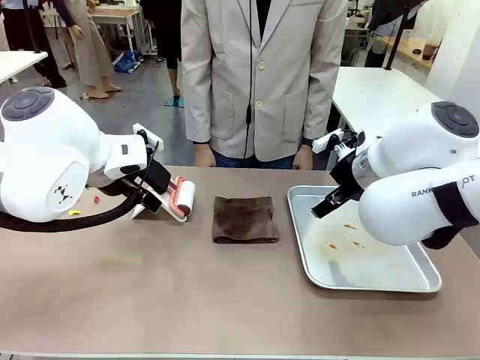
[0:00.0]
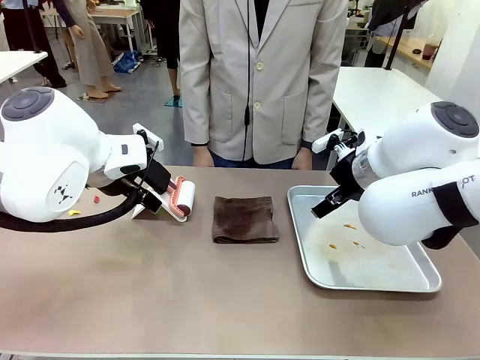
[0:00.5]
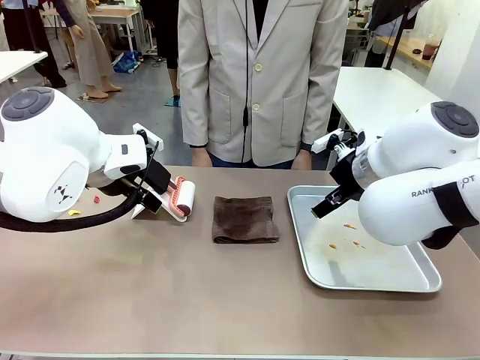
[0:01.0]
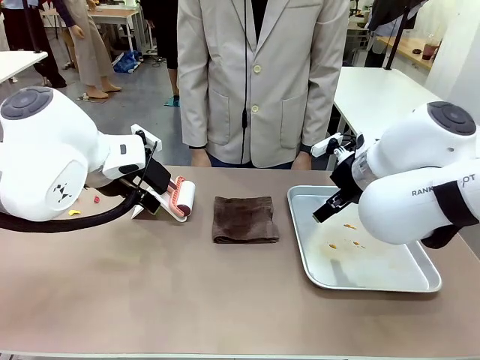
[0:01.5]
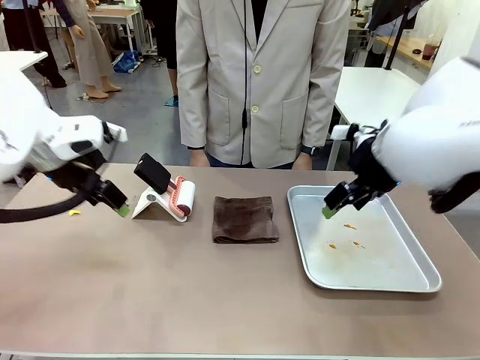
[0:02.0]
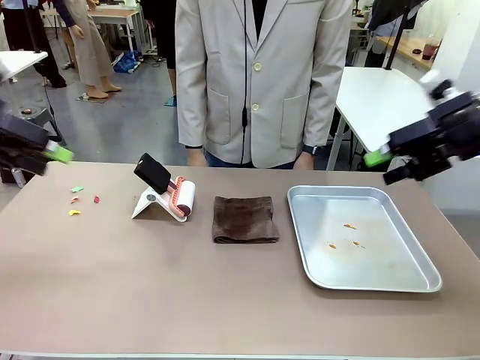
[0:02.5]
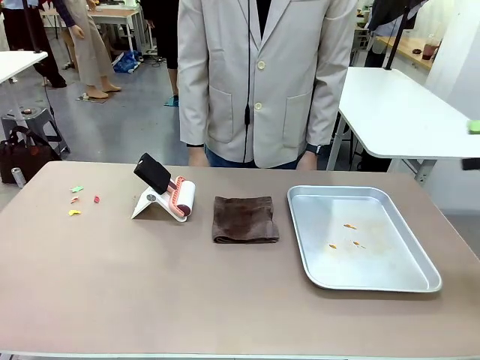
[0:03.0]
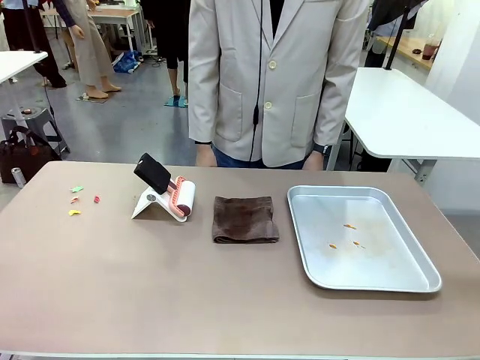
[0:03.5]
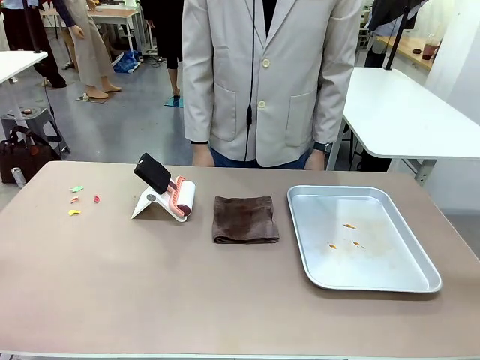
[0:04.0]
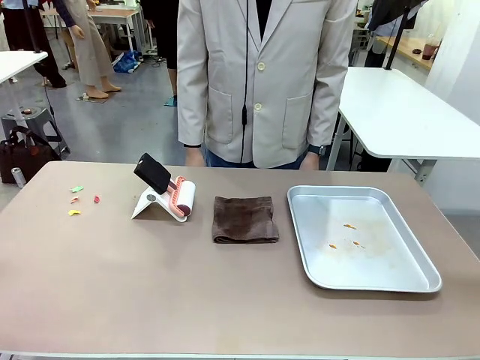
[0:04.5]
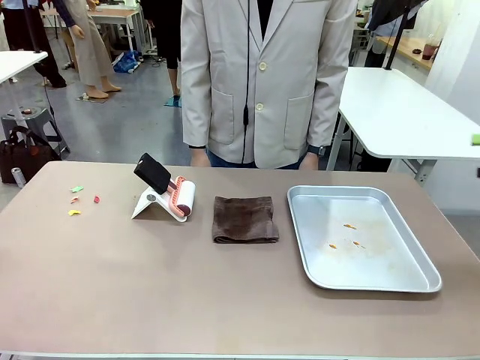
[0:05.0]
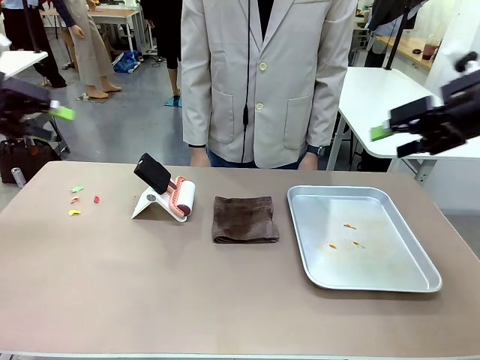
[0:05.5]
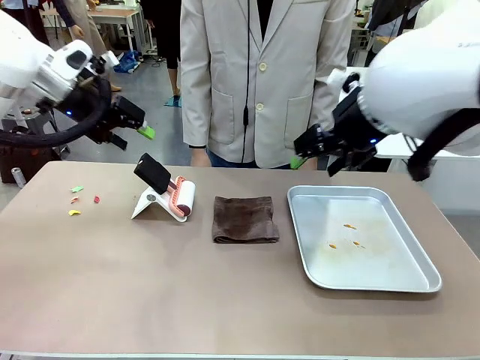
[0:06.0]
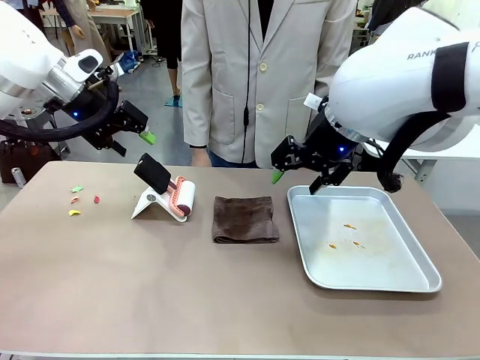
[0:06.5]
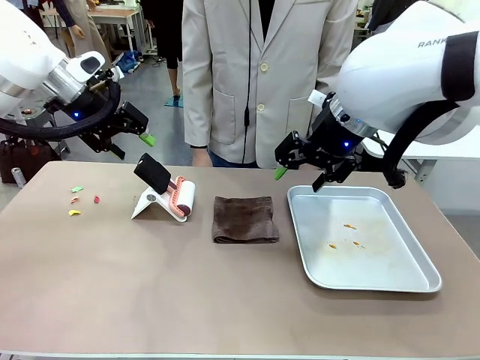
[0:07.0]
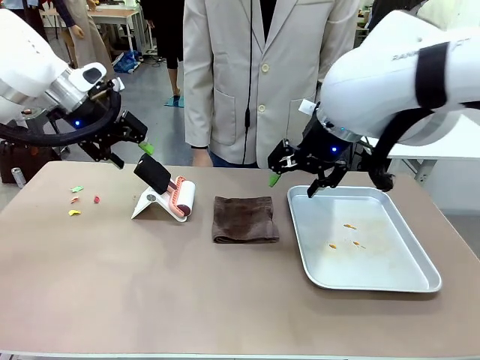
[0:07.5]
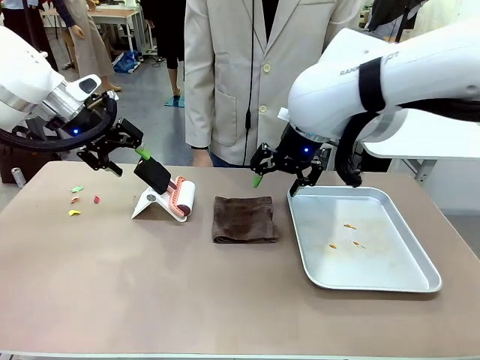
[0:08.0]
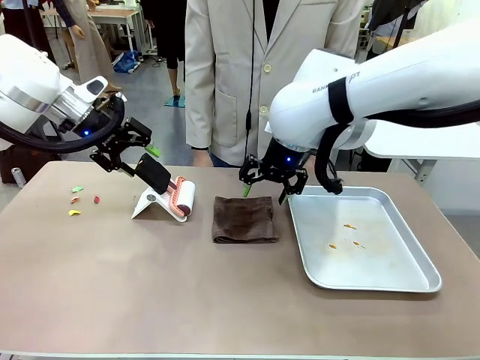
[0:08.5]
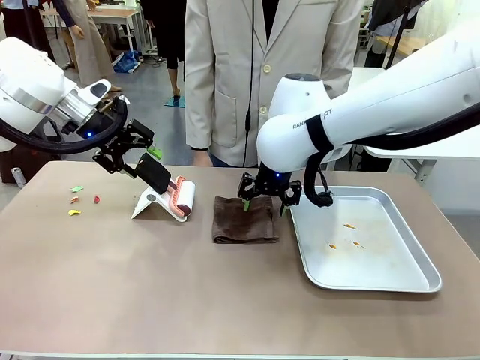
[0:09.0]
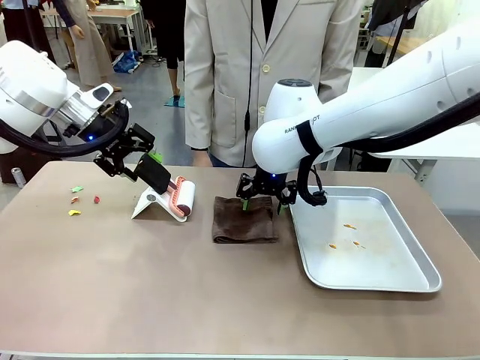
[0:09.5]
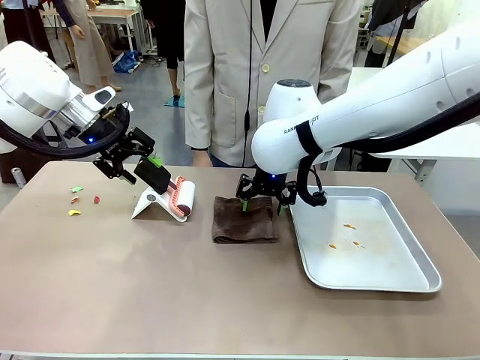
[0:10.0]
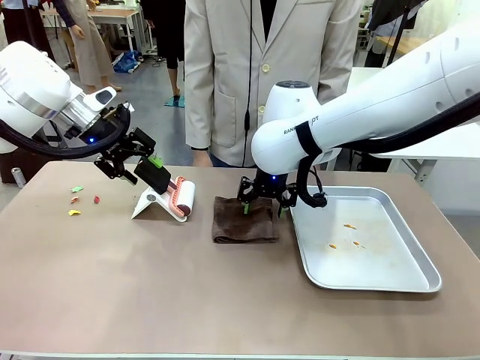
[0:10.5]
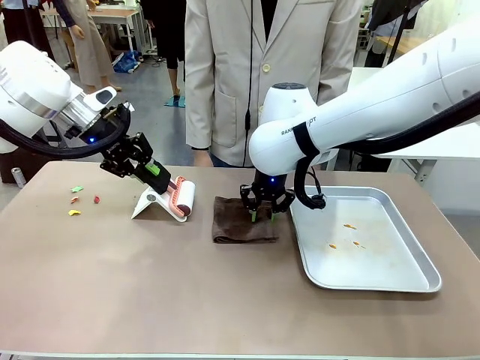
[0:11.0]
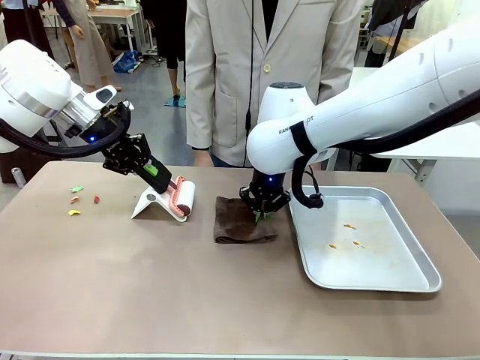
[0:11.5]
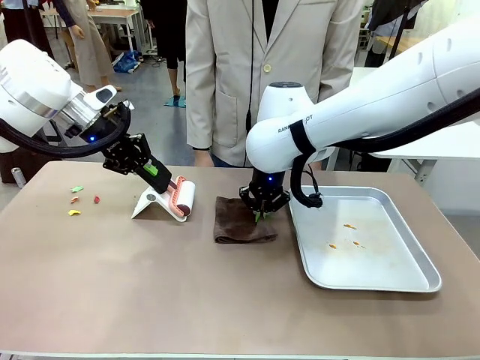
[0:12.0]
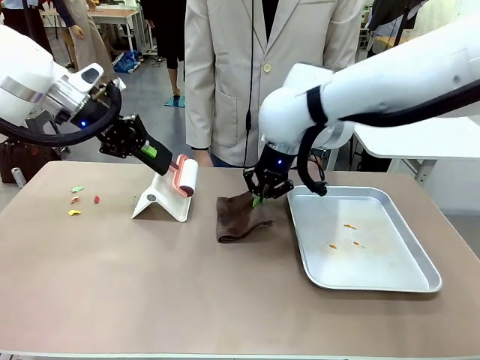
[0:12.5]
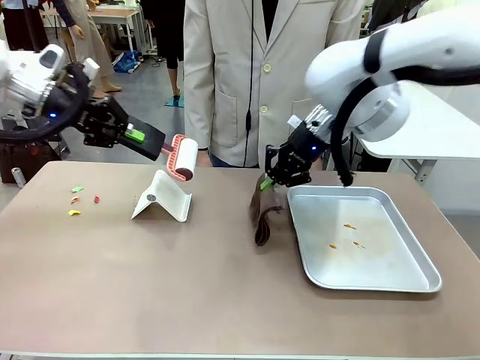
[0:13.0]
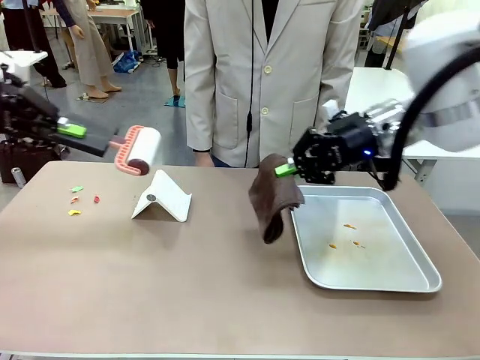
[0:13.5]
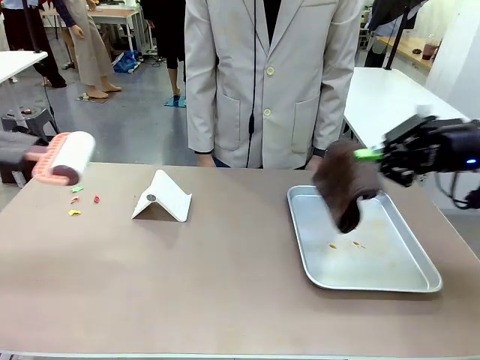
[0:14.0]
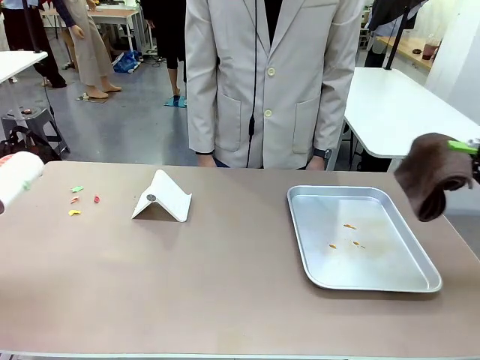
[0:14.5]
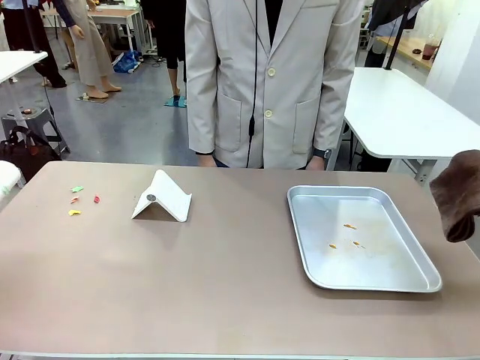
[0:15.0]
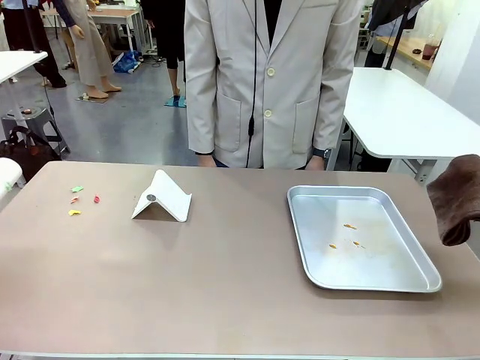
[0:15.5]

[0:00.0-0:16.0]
Task: Clean the surface of the table.
Robot: Hold the Lint Roller with your left hand and the towel with your right hand.

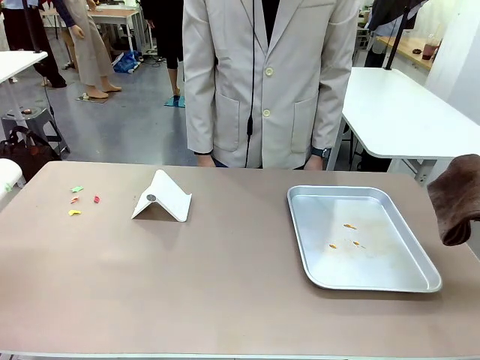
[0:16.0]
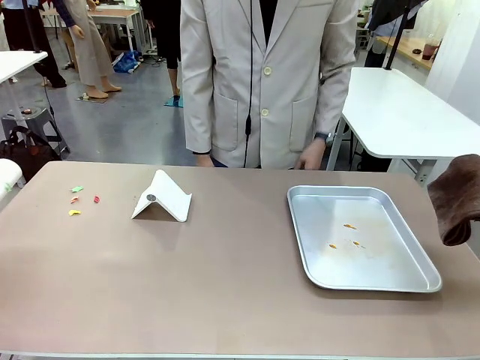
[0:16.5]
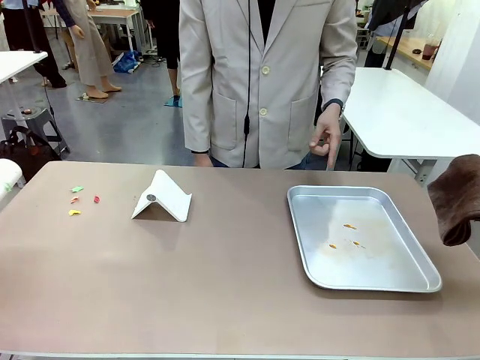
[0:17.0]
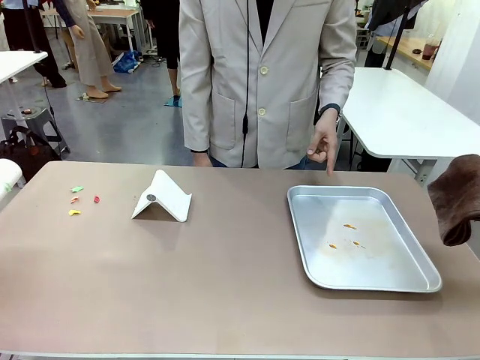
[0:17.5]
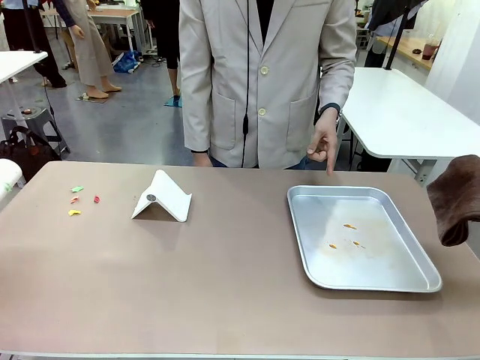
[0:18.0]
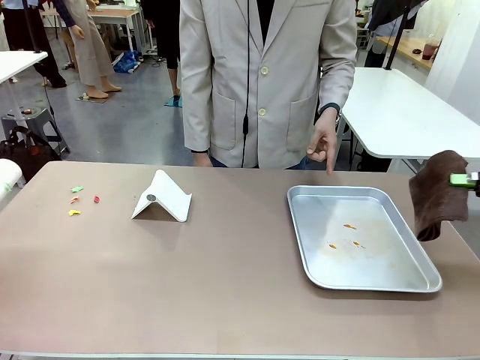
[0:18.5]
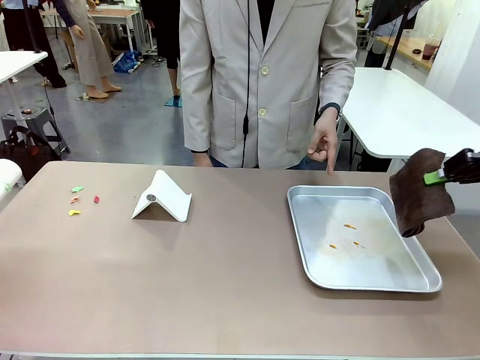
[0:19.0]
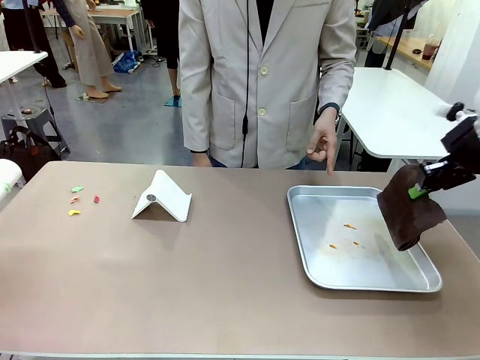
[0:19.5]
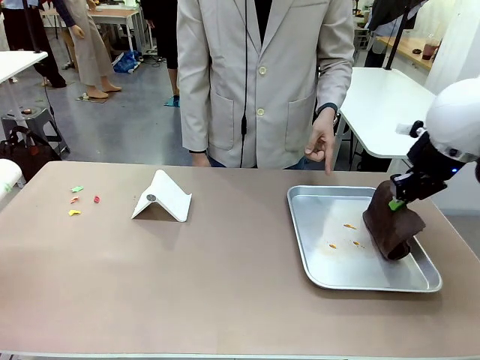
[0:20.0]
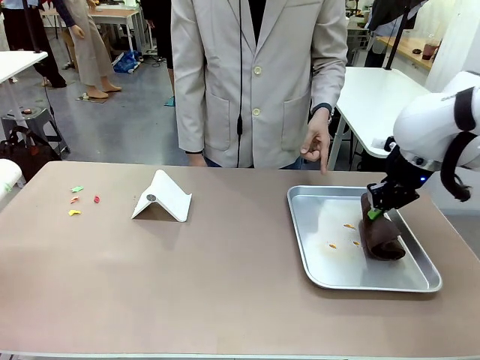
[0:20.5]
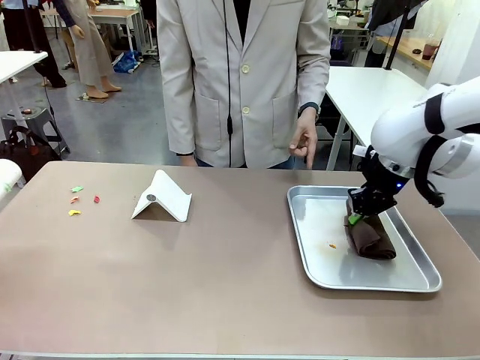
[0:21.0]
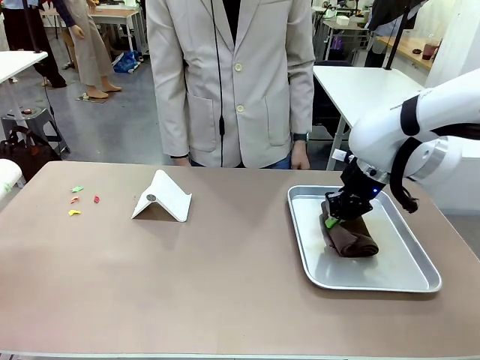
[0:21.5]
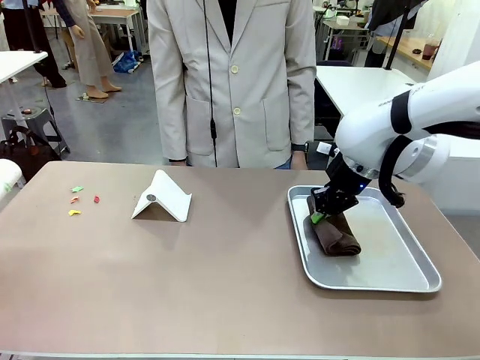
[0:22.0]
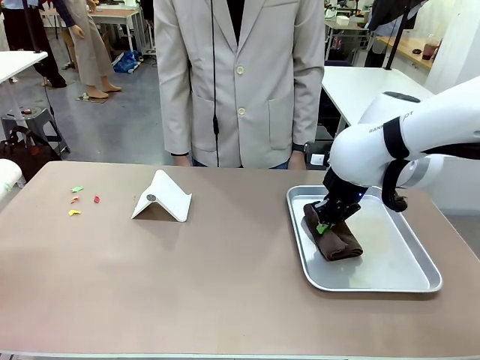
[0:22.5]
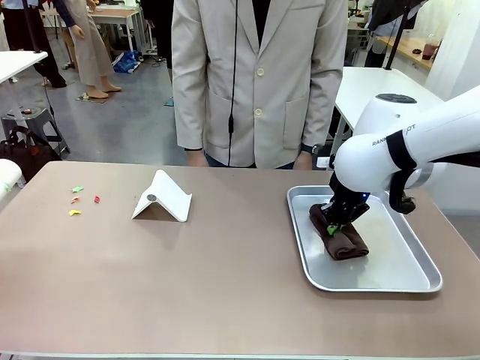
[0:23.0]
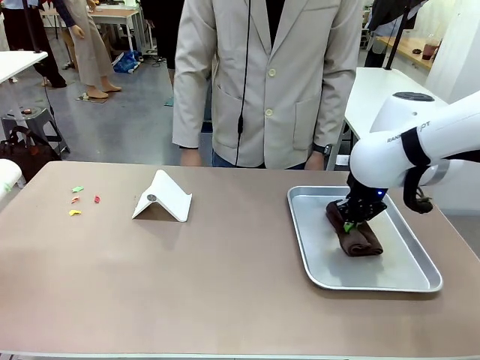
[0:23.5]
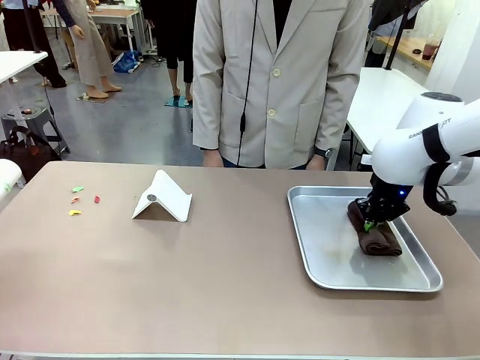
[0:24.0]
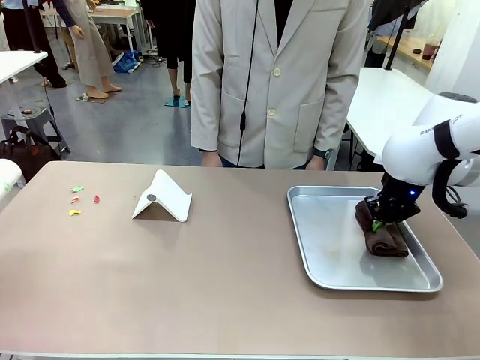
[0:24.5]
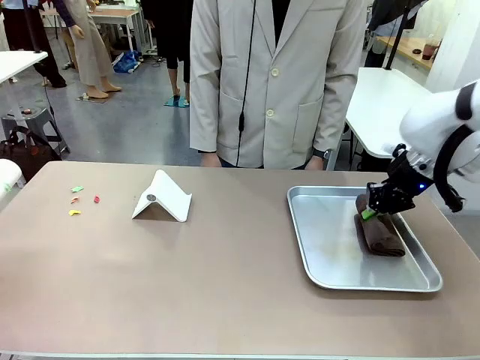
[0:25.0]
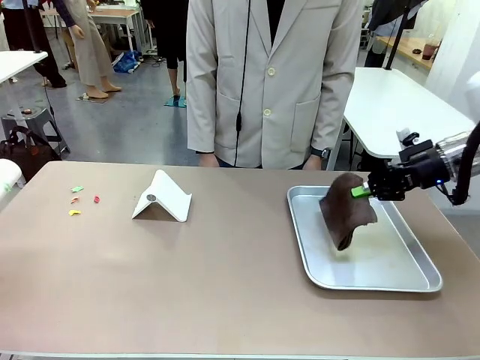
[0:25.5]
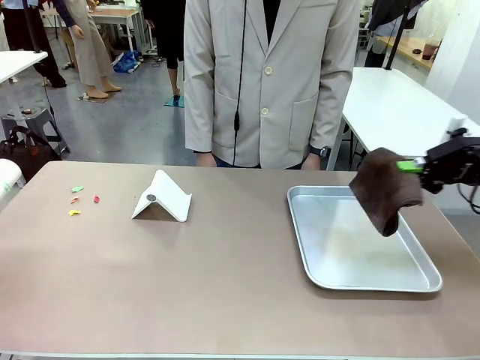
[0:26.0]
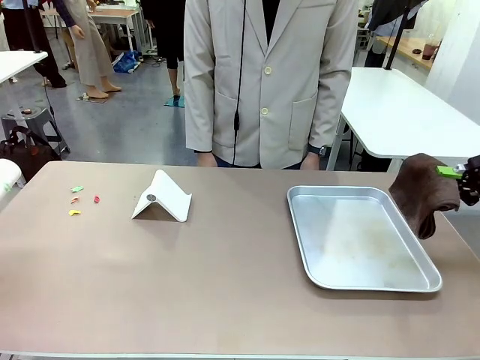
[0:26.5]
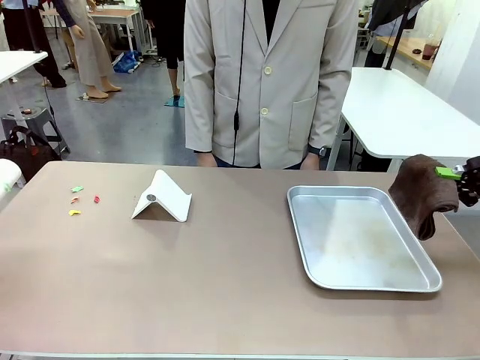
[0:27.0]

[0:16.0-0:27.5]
Robot: If a person points to the right, clean the right side of the table with your right hand, and if they point to the left, clean the left side with your left hand.
